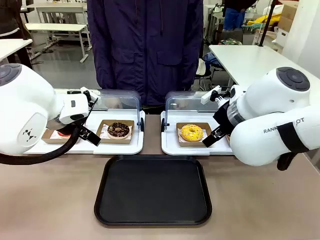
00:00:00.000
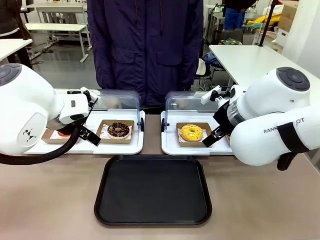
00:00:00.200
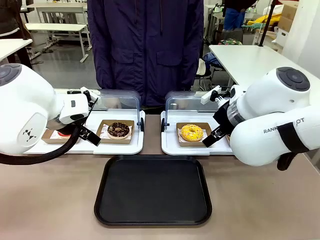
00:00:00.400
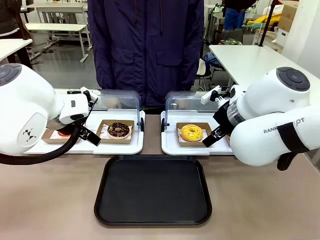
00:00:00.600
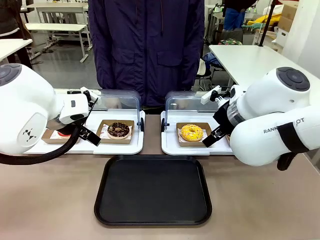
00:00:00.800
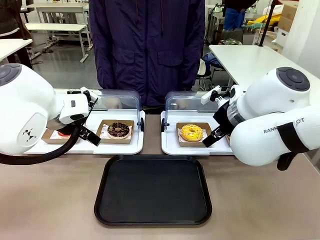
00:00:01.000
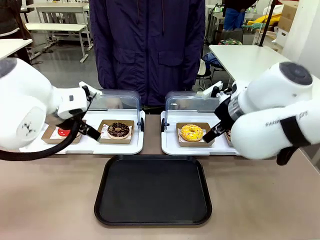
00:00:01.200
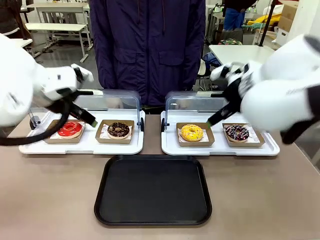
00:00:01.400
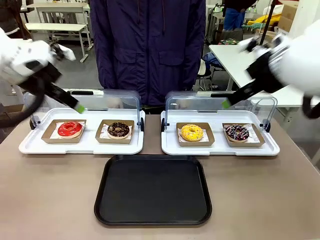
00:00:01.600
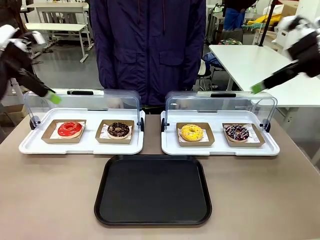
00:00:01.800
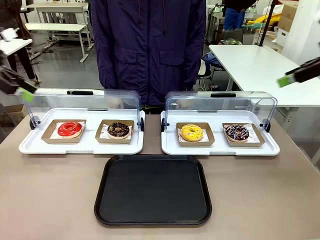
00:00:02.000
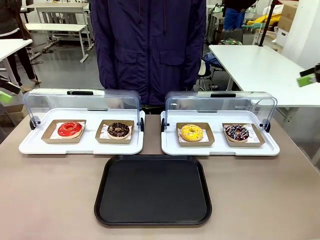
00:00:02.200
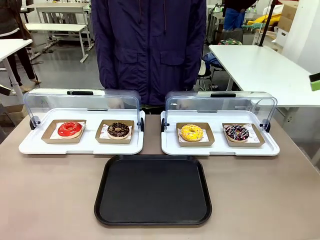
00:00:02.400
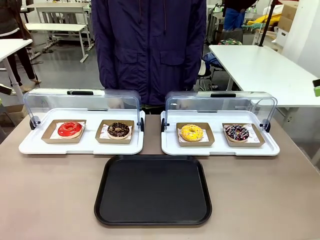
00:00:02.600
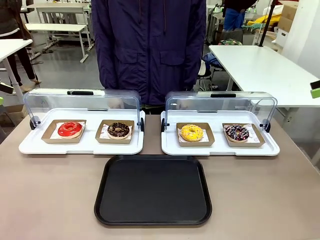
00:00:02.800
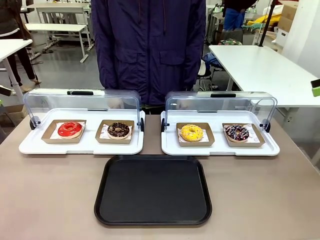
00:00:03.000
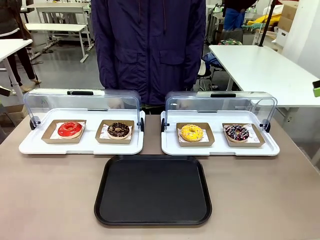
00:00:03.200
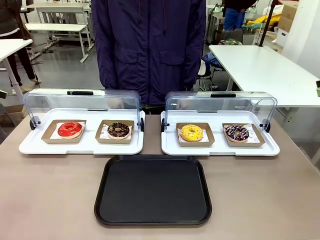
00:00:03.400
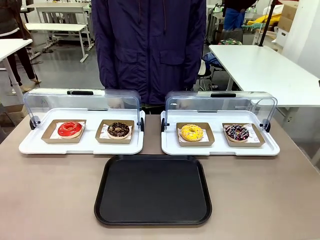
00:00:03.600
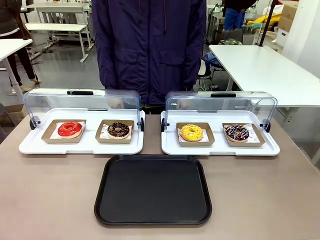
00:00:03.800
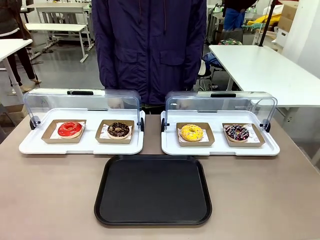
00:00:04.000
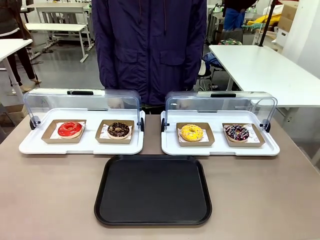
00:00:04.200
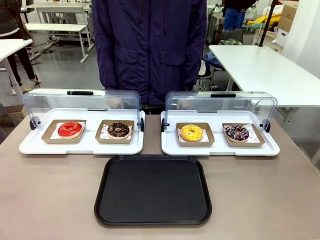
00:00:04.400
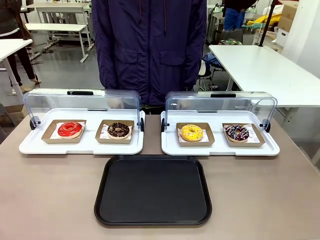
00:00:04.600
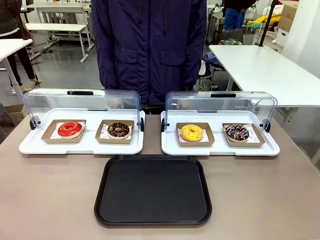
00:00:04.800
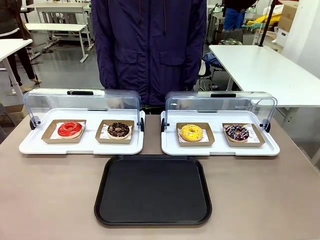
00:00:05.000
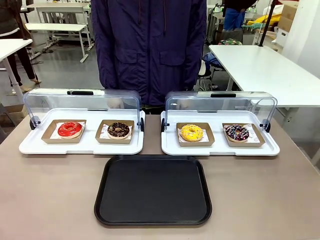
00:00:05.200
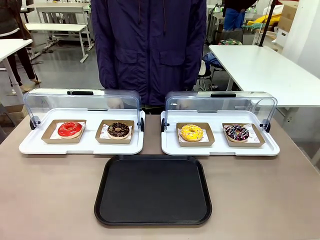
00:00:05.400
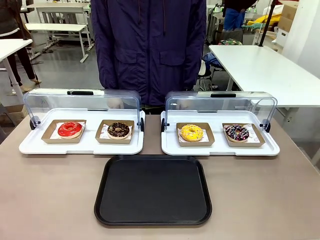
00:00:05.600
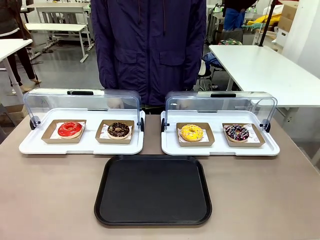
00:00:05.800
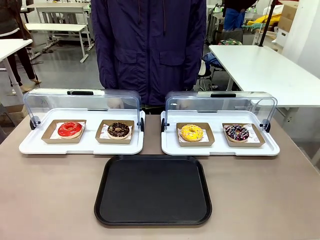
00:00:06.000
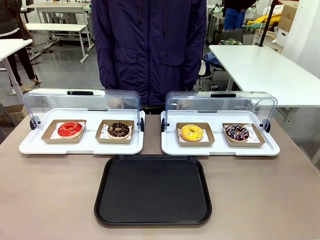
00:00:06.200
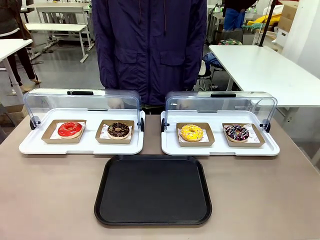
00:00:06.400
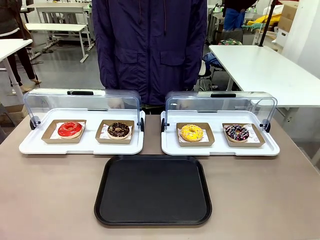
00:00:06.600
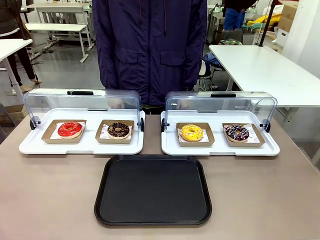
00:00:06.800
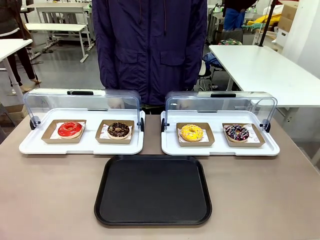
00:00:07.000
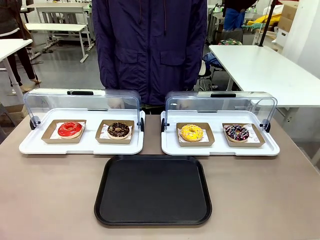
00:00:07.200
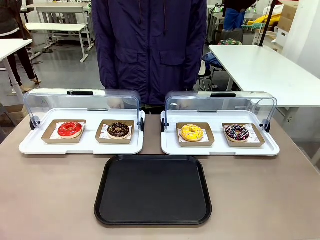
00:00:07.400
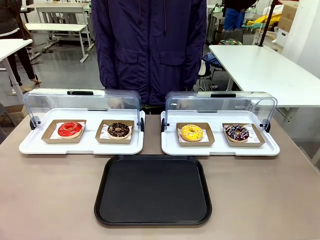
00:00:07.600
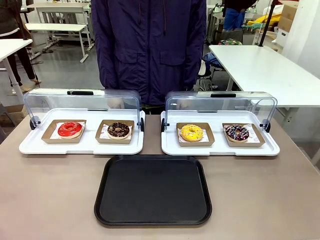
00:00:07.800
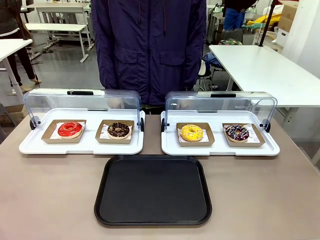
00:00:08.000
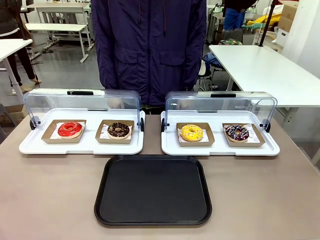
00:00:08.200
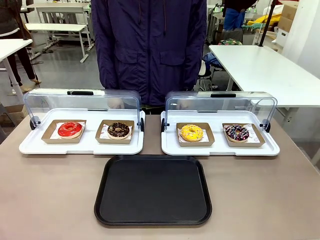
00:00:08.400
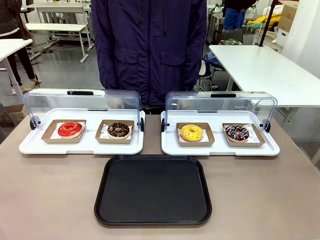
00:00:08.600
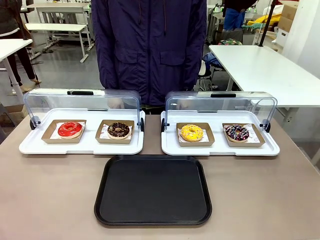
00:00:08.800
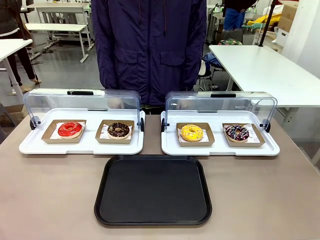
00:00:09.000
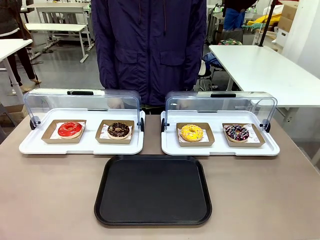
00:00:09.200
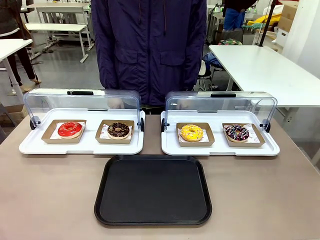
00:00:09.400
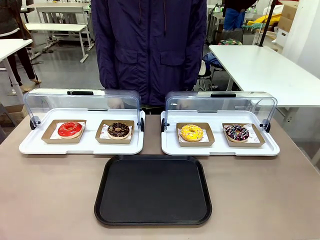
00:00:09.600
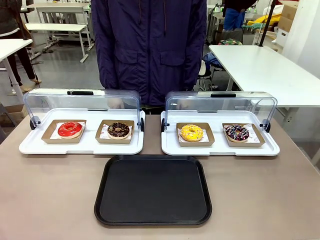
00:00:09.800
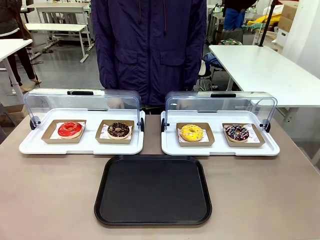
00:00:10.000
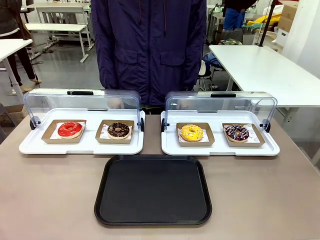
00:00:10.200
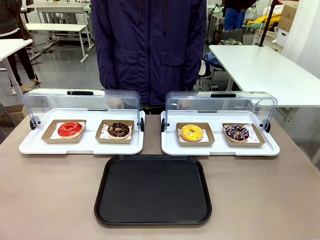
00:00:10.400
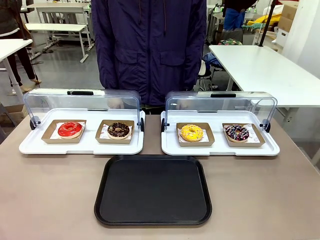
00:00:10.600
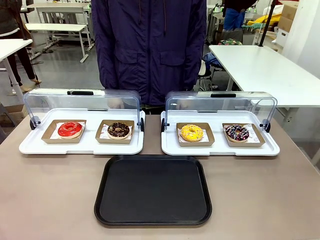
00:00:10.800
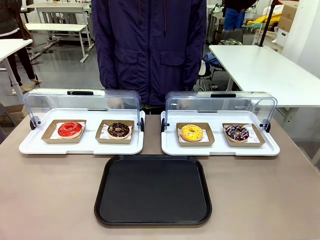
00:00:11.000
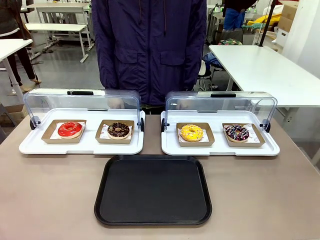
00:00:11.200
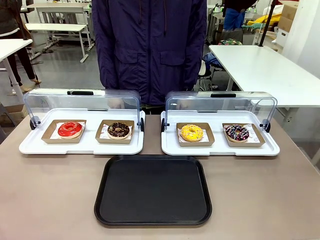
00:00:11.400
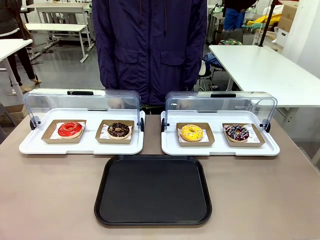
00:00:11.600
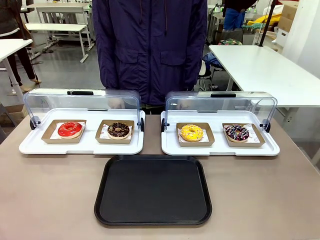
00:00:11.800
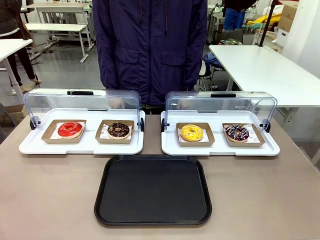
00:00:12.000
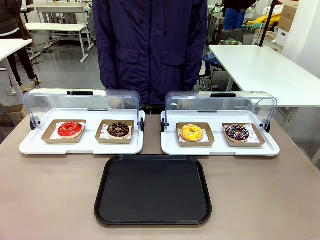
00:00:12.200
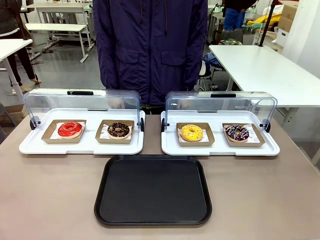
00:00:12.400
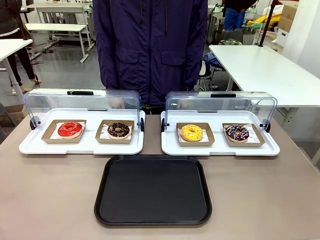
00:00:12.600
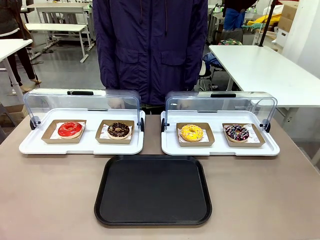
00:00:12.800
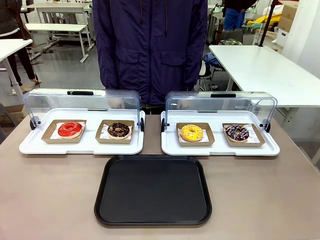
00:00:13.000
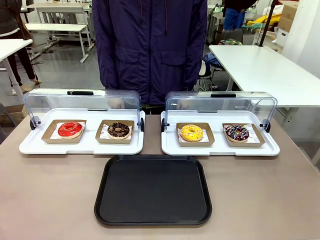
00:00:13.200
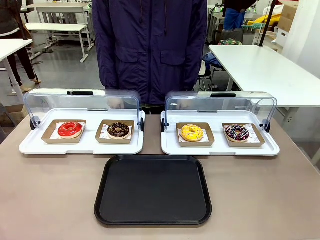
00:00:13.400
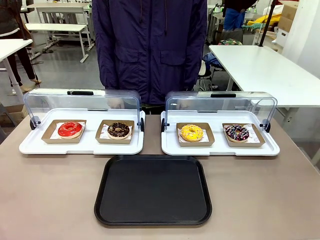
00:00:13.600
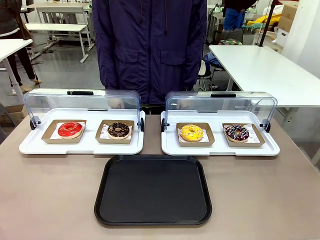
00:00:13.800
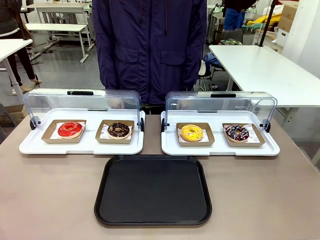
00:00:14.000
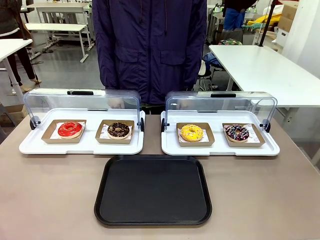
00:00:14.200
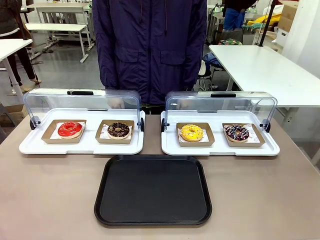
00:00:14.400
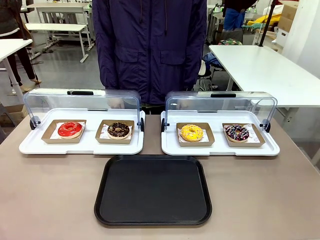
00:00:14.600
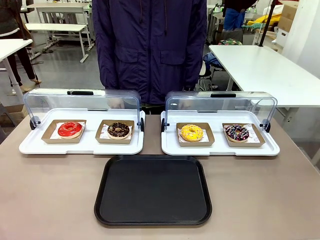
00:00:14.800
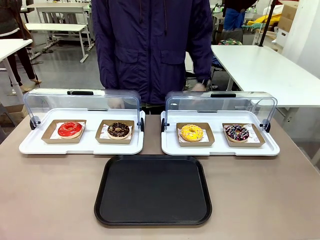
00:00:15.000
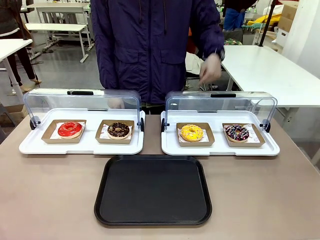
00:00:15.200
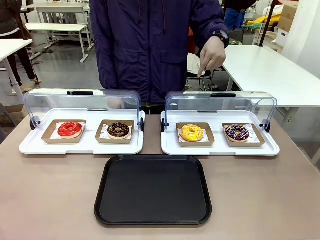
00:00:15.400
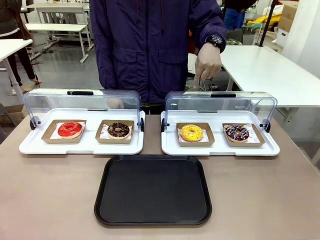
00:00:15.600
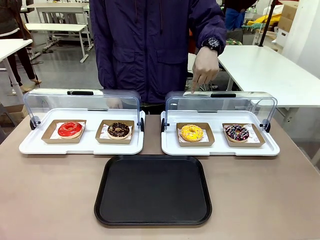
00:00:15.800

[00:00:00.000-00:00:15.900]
Task: Move the third donut from the left to the tray.
Robot: Pick up the Paper togo box containing the Donut indicated by the person and place it on the Handle tray.
